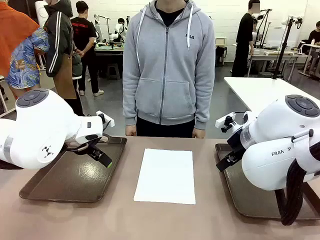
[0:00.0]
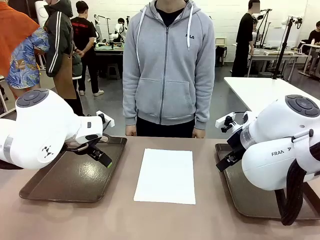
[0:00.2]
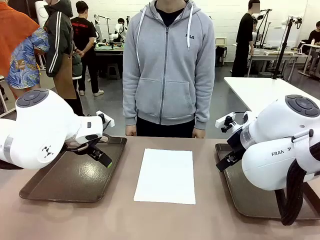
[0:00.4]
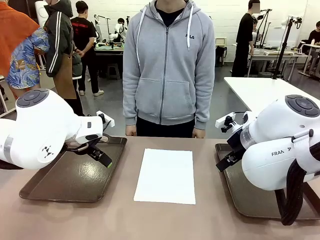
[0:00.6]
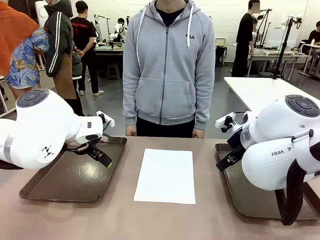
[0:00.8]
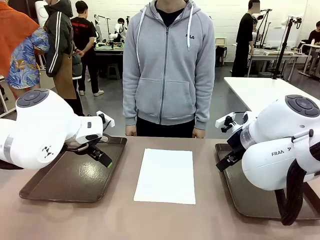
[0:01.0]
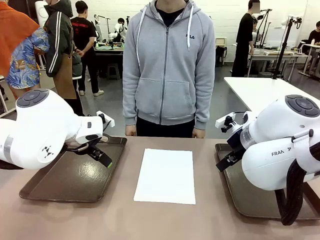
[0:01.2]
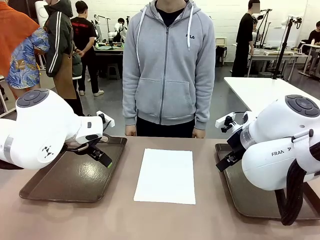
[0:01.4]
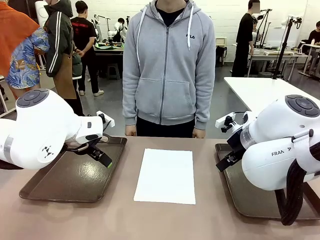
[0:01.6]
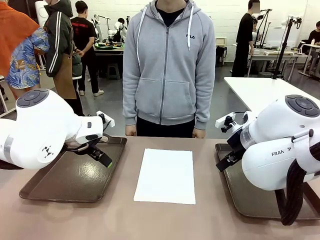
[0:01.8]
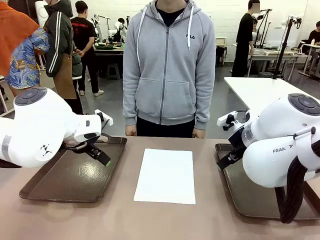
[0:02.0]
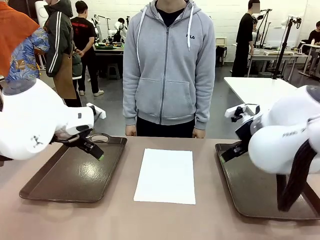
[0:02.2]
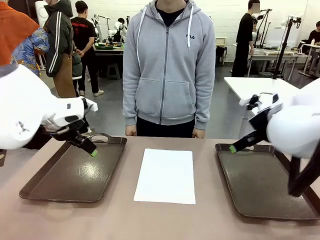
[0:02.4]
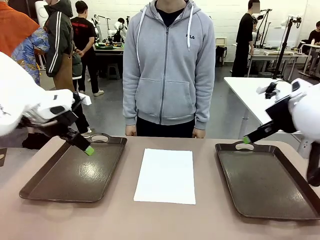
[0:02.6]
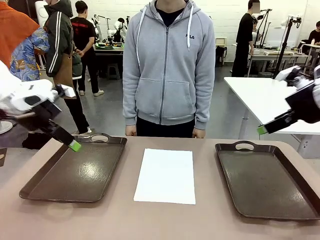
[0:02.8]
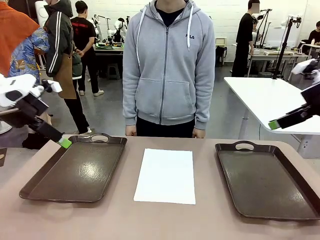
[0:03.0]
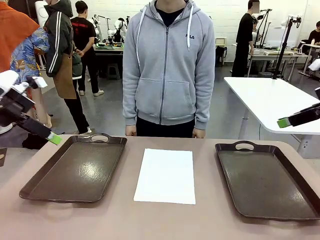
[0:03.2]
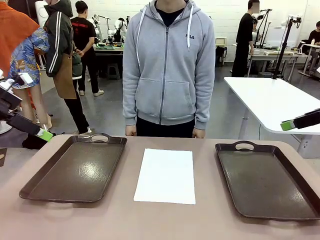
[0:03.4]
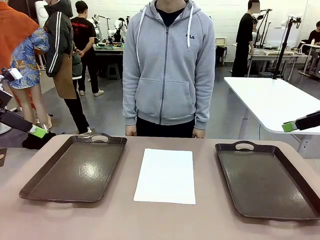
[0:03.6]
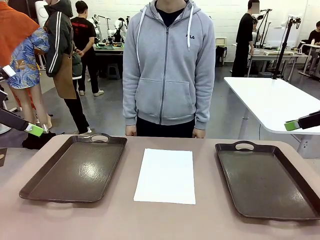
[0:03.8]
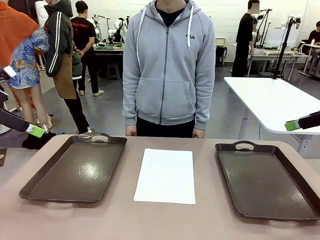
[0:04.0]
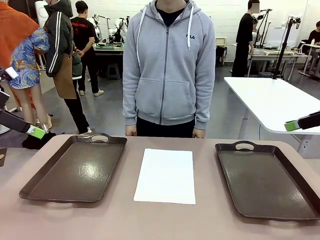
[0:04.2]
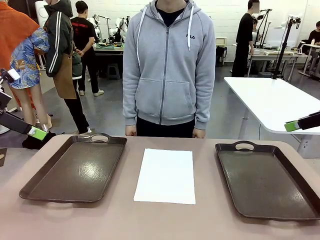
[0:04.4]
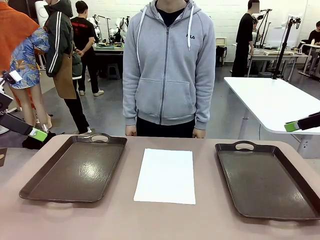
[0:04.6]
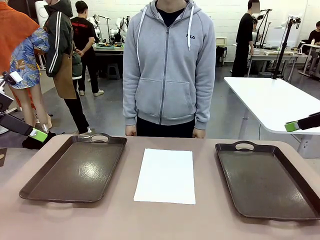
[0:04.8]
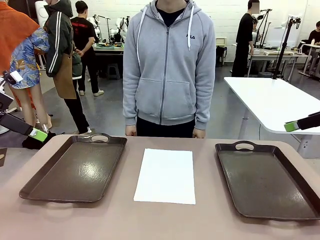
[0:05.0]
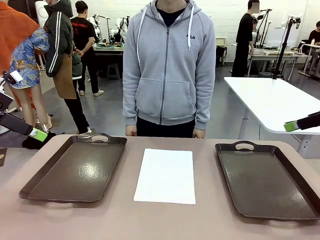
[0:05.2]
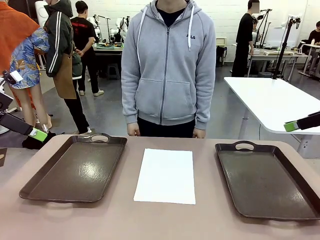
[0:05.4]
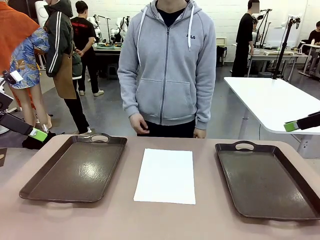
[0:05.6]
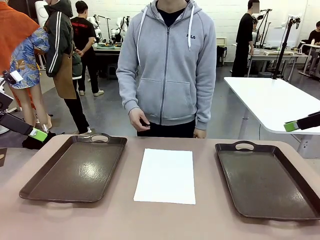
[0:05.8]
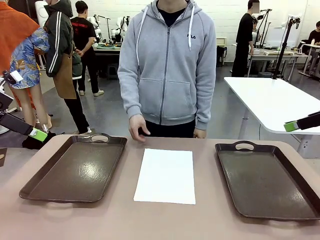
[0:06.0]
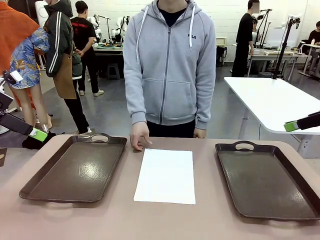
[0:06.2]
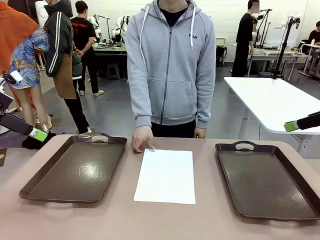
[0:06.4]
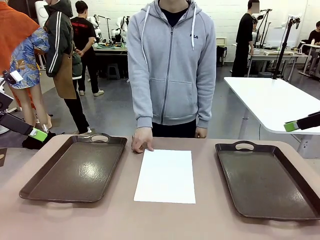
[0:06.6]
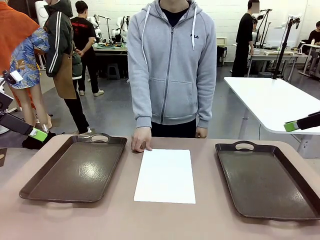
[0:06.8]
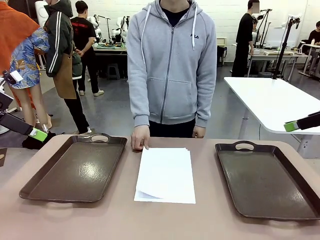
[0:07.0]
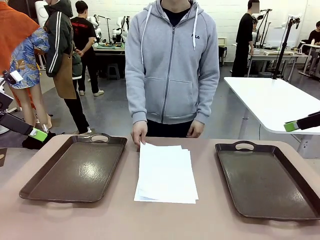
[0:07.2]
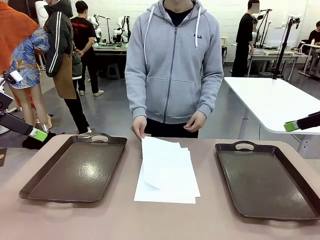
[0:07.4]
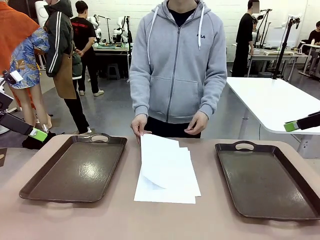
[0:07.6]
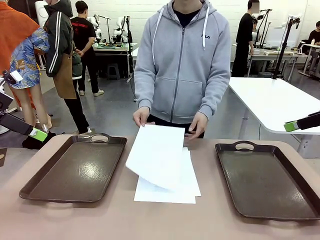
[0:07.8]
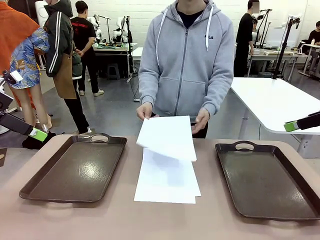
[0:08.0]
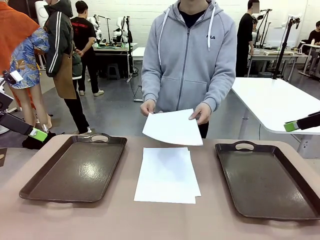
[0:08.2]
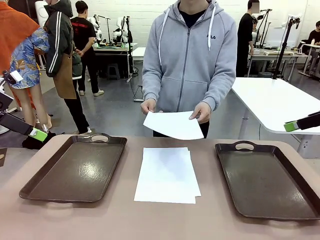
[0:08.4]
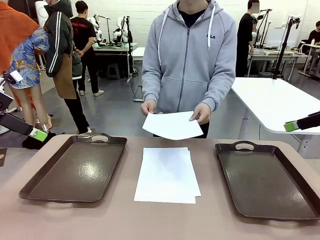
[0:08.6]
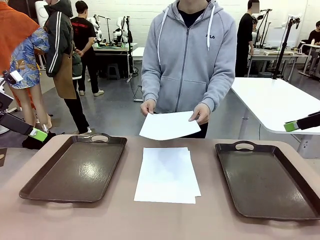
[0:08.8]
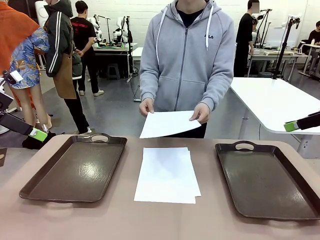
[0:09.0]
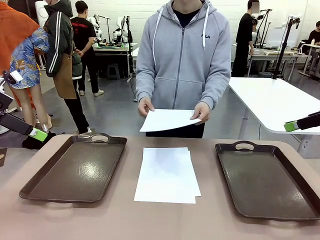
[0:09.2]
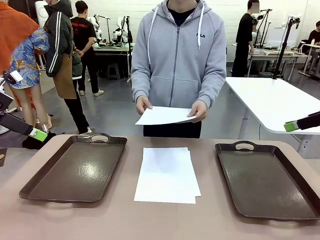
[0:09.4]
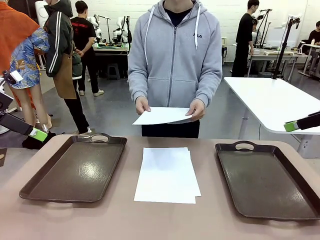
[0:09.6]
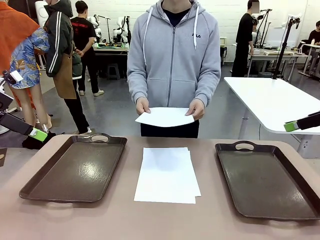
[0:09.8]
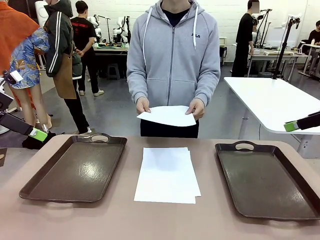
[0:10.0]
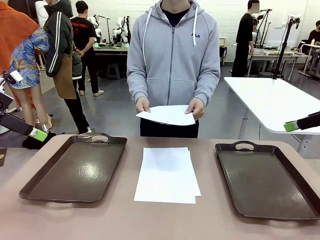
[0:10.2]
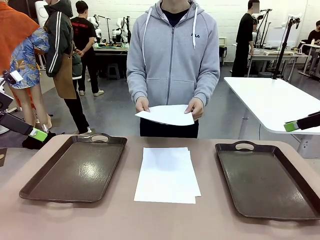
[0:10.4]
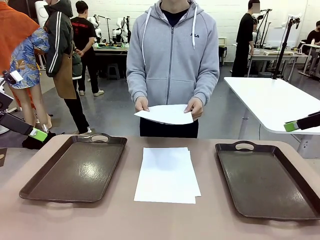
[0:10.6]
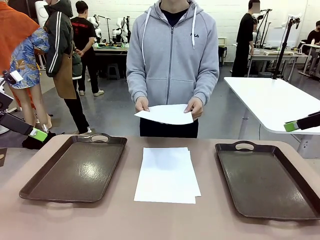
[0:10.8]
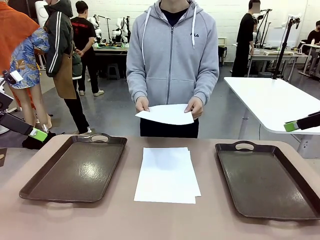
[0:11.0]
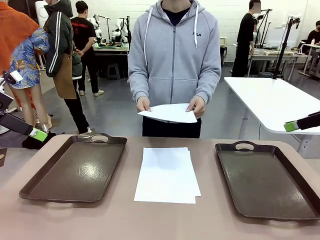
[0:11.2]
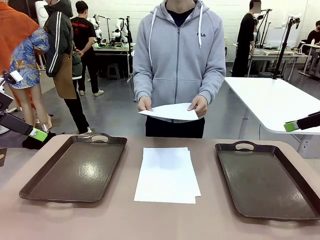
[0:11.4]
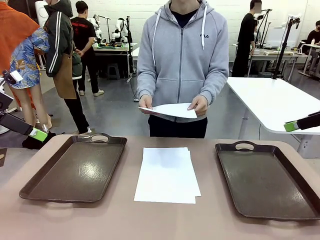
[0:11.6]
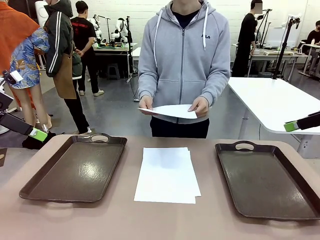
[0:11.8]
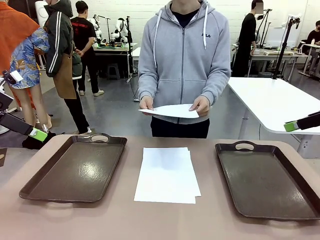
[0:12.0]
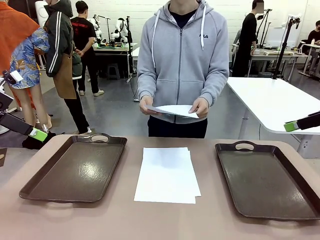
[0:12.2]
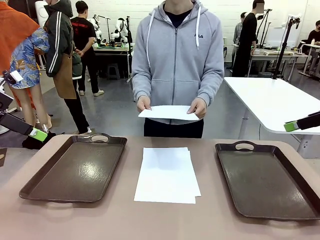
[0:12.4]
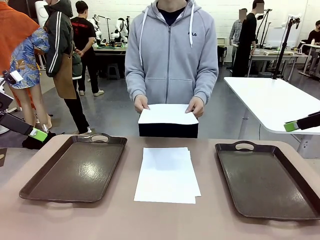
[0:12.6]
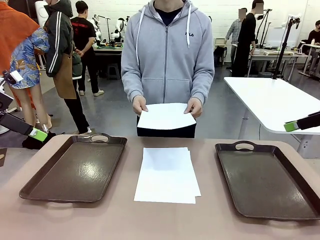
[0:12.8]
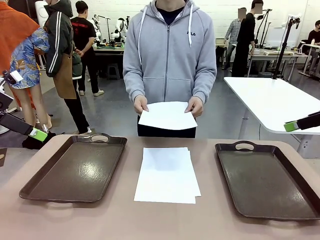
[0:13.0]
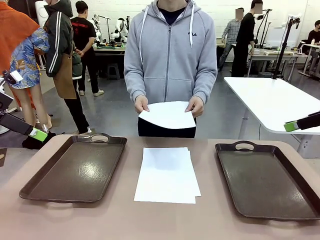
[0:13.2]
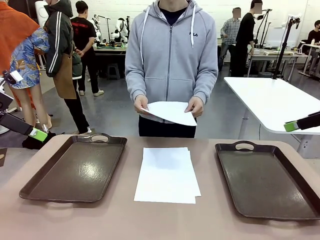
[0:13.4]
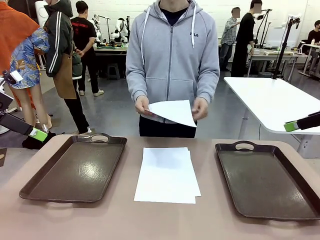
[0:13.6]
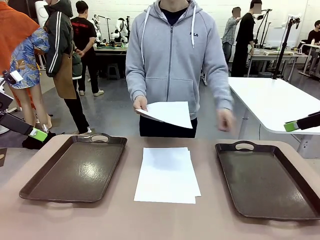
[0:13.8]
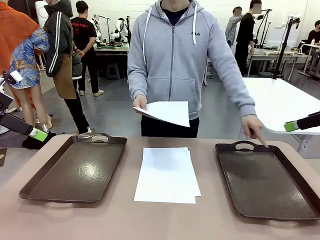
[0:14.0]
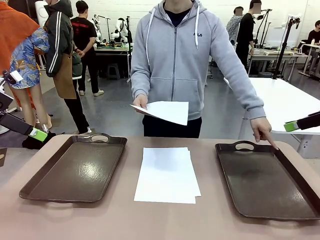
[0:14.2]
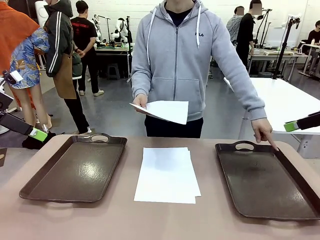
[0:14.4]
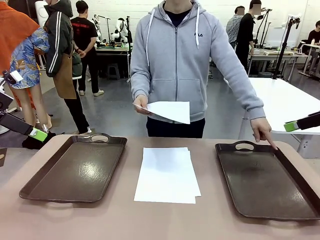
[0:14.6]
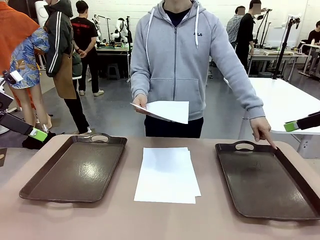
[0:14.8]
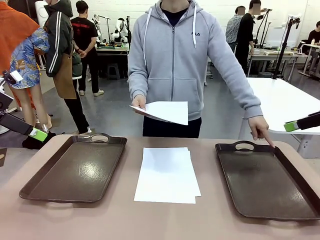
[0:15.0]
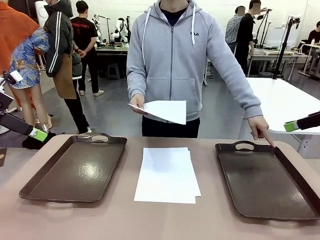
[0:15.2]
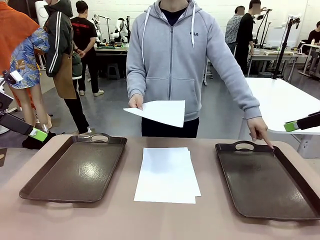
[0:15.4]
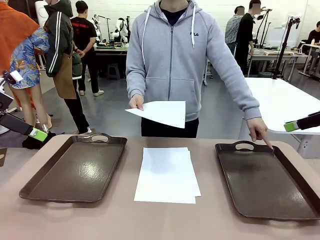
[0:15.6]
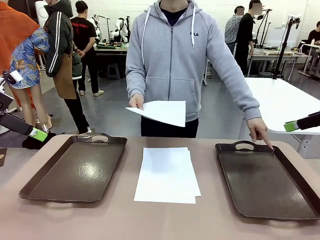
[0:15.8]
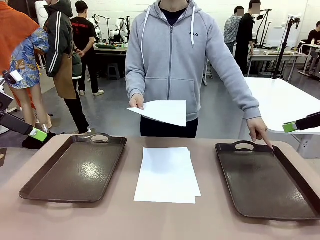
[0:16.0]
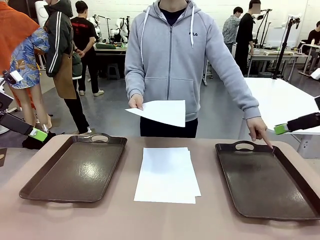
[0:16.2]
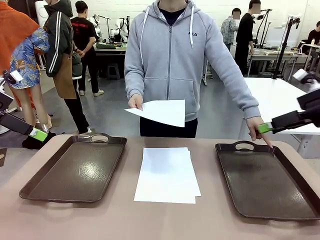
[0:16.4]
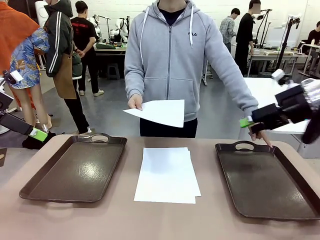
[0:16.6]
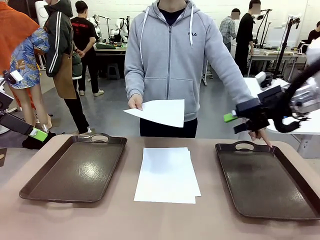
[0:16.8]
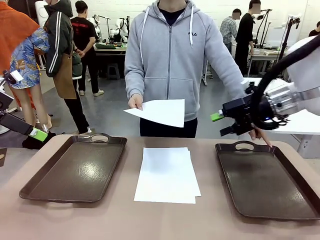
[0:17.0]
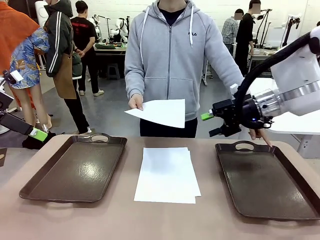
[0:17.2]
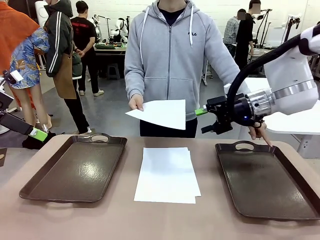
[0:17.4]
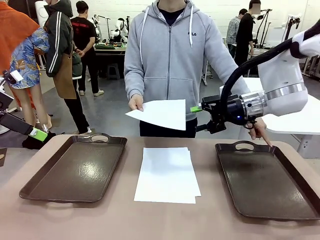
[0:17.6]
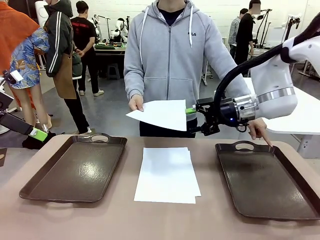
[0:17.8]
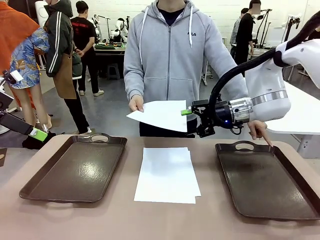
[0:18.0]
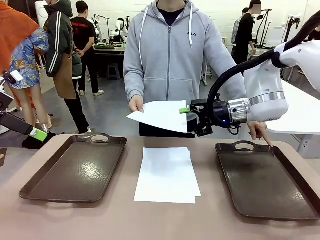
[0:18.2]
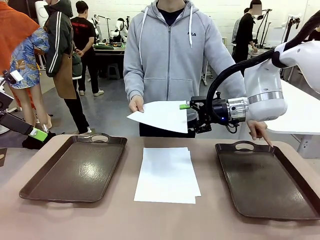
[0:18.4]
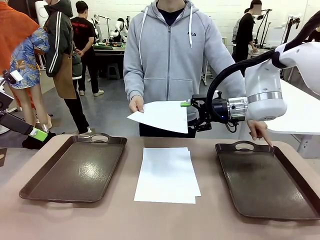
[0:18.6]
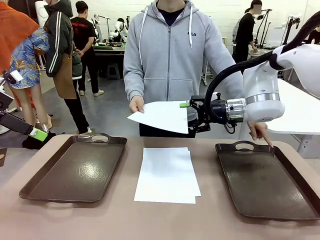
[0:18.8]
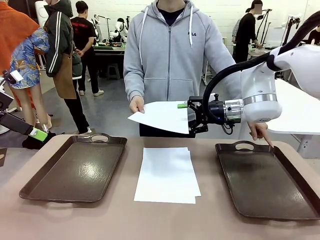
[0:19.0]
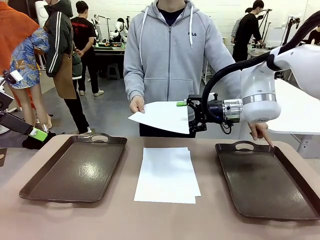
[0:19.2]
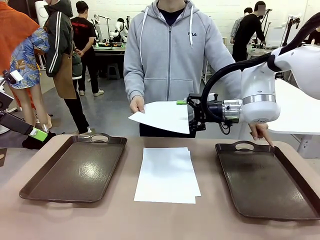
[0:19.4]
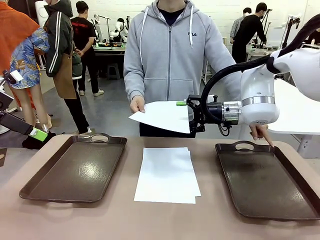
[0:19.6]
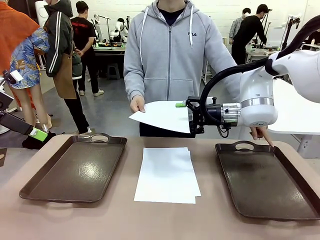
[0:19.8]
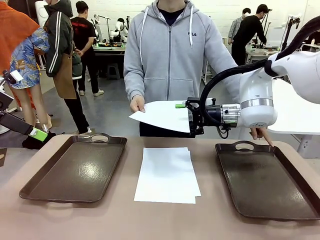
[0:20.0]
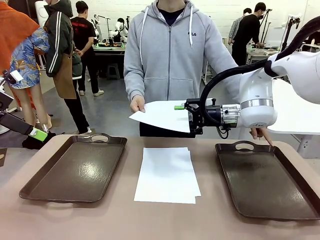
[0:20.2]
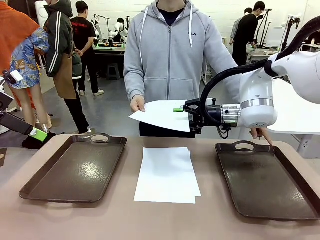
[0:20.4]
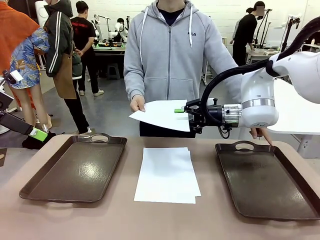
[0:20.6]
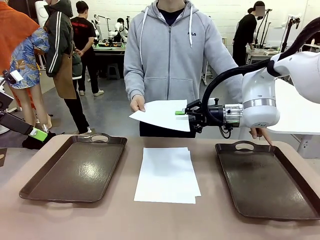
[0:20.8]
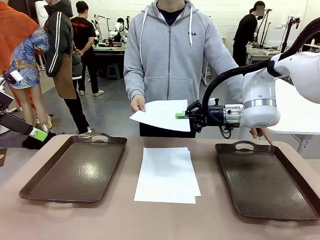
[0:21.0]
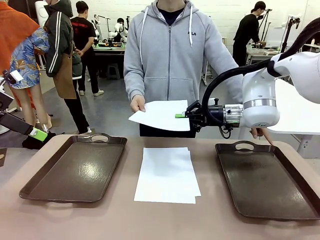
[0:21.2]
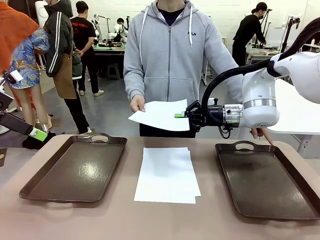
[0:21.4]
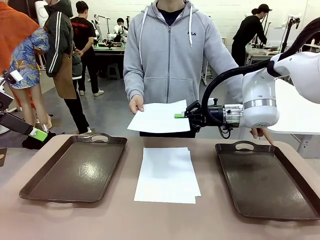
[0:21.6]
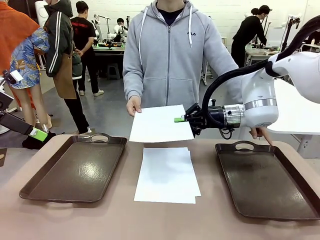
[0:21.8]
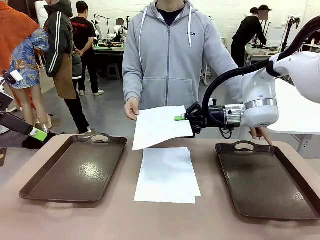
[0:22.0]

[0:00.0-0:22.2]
Task: Sort the A4 documents.
Robot: Receive the A4 Paper.
Person: Pick up a sheet of paper from the center of the table and hand it to the robot. Point the randomly selected tray with the other hand.
